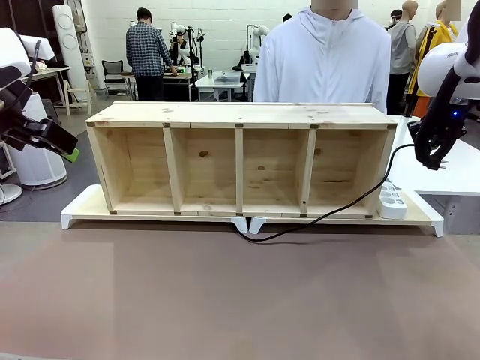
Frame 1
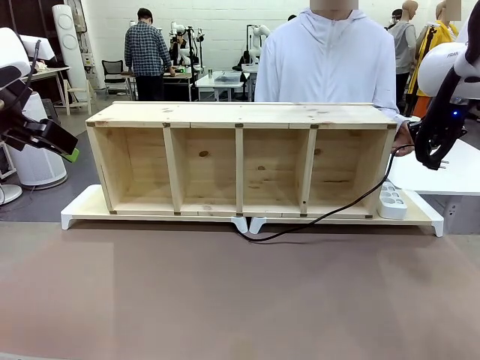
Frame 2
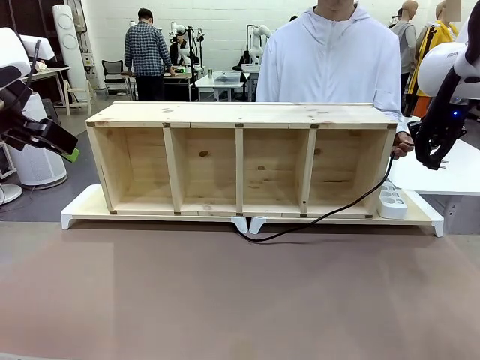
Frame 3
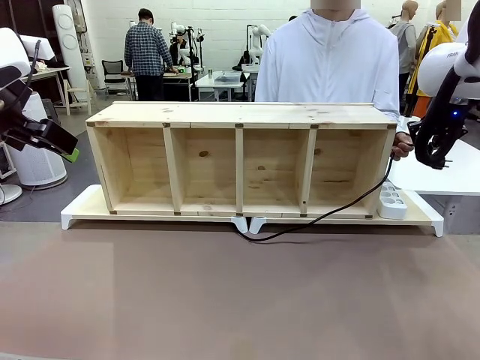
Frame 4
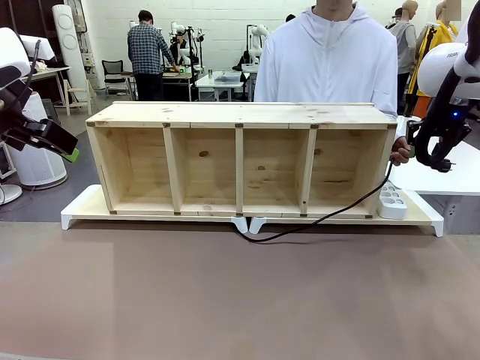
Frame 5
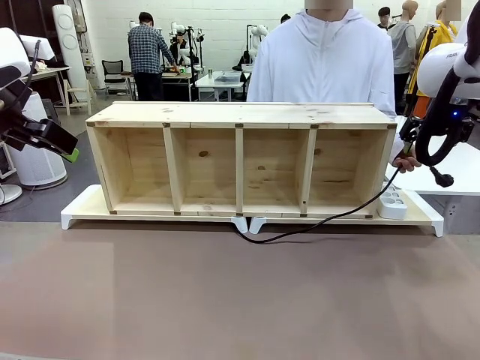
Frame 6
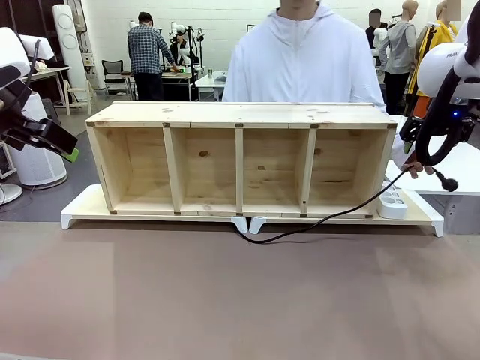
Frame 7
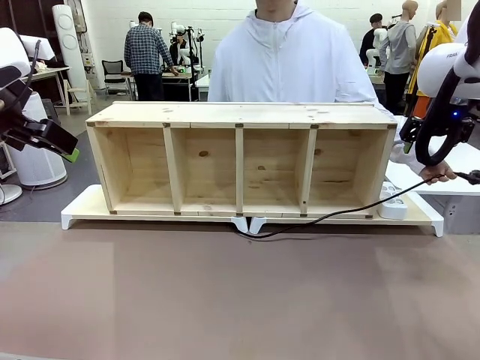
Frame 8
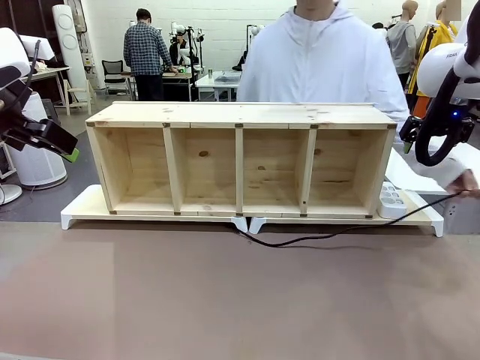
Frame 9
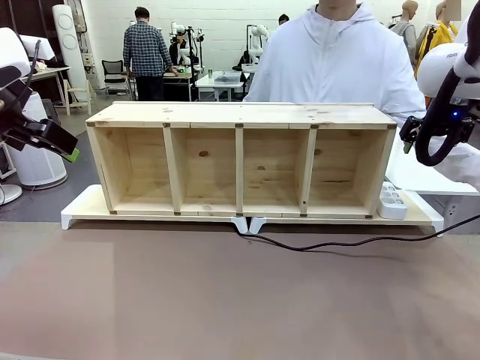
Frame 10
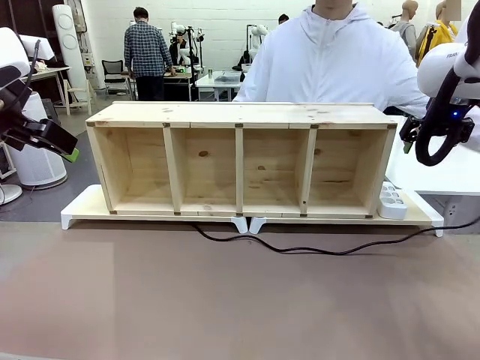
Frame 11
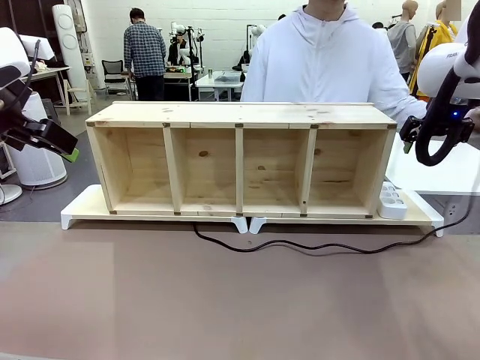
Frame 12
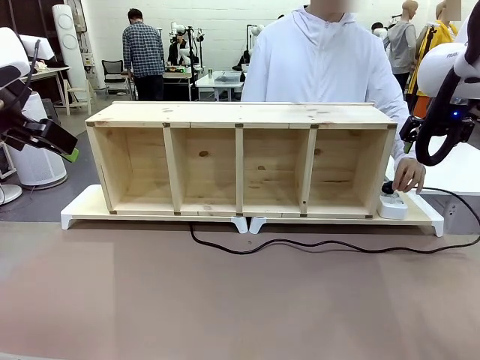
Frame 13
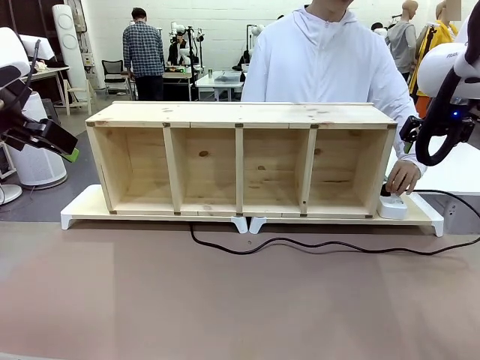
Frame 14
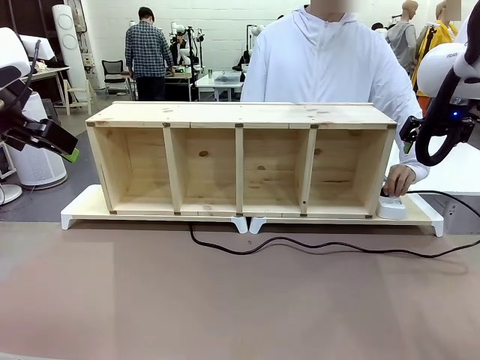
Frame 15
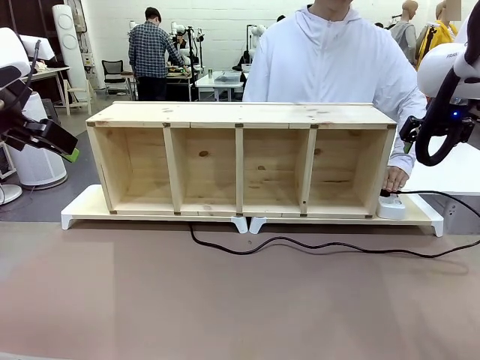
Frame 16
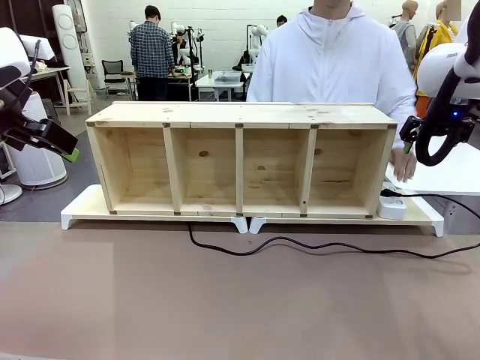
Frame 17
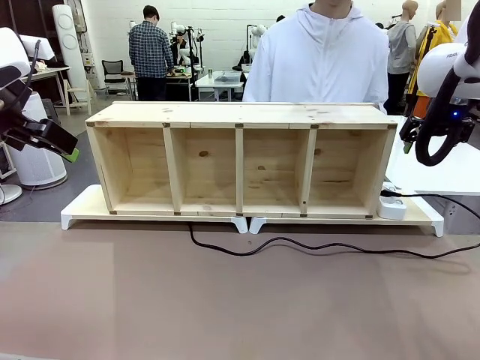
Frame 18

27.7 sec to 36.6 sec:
Task: Perform cable management.
Robot: Release the Power Cable when the human grasps it.
Person: Plug the Power Cable into the Power Strip.

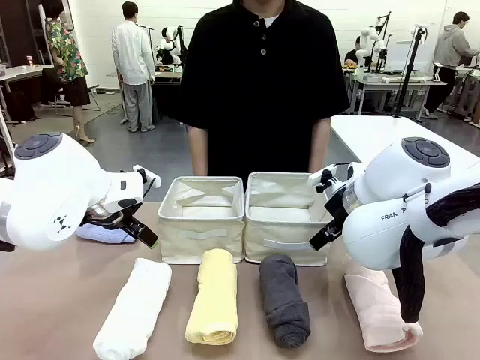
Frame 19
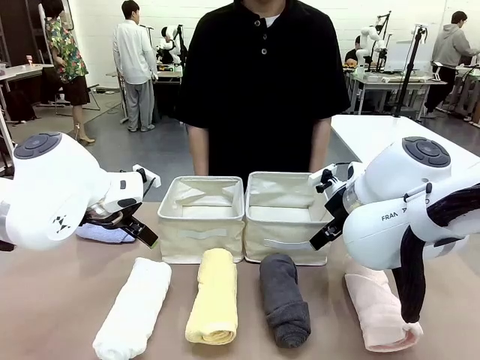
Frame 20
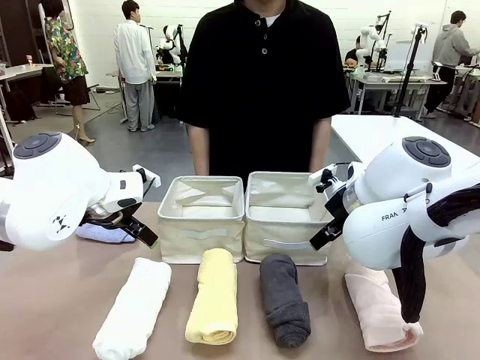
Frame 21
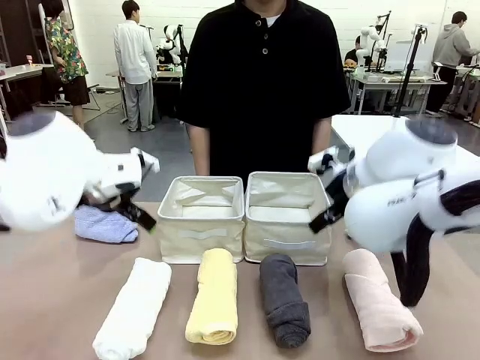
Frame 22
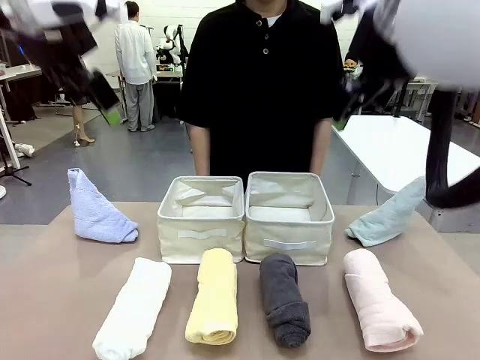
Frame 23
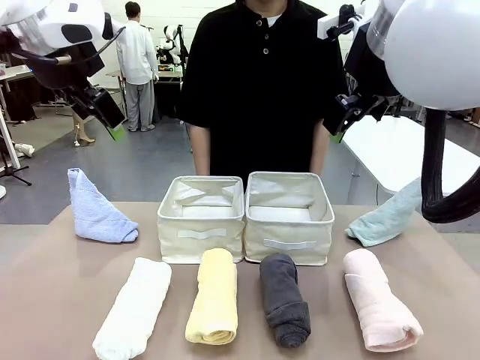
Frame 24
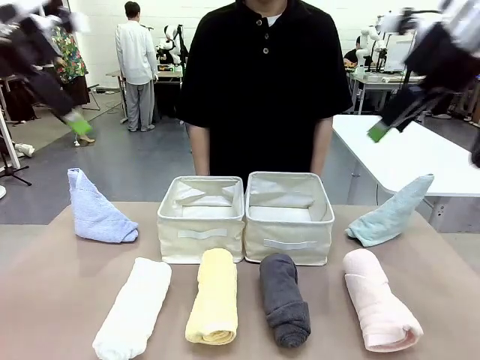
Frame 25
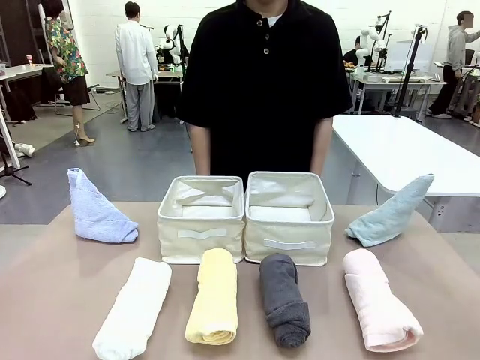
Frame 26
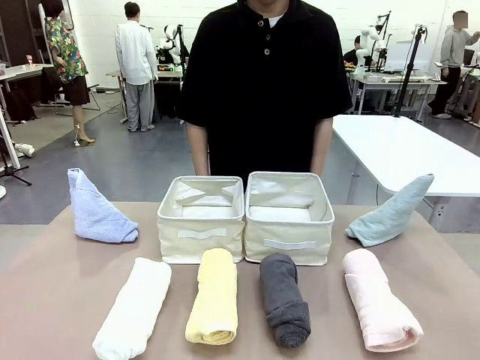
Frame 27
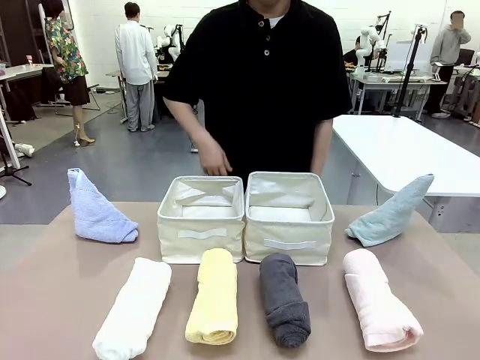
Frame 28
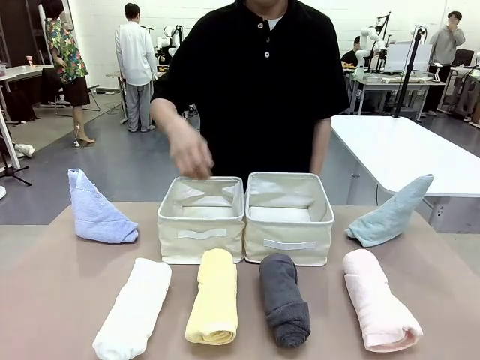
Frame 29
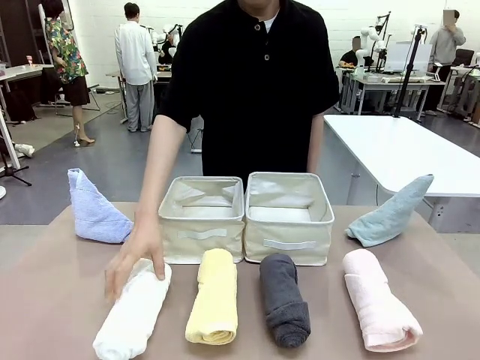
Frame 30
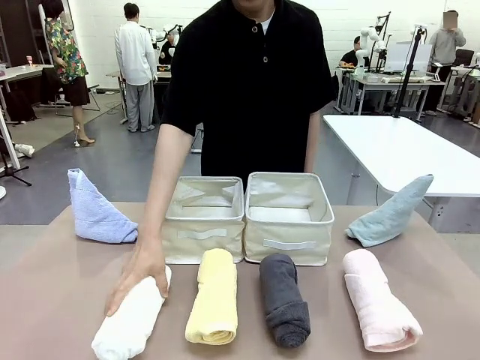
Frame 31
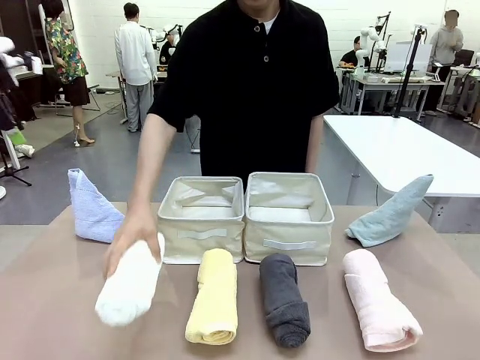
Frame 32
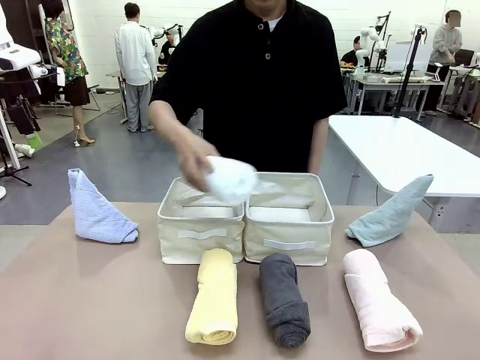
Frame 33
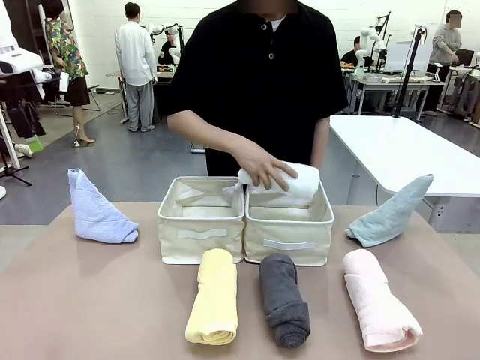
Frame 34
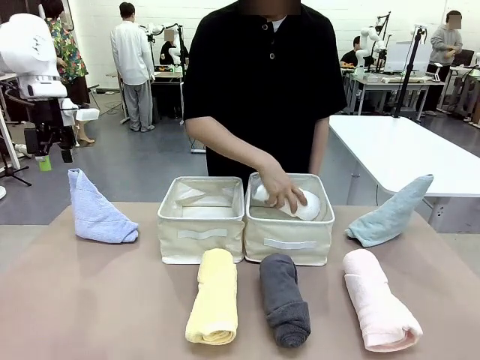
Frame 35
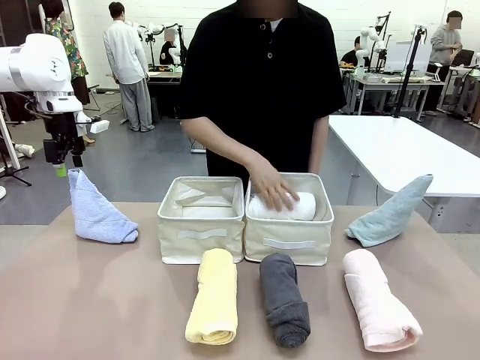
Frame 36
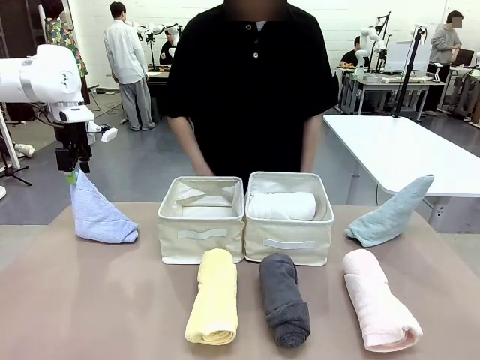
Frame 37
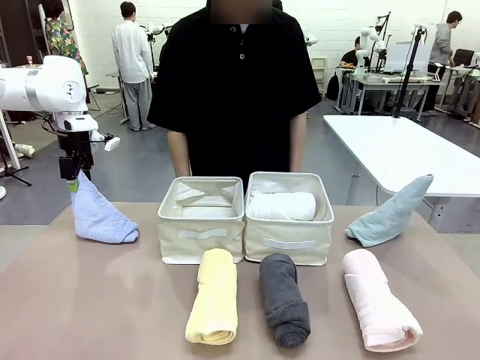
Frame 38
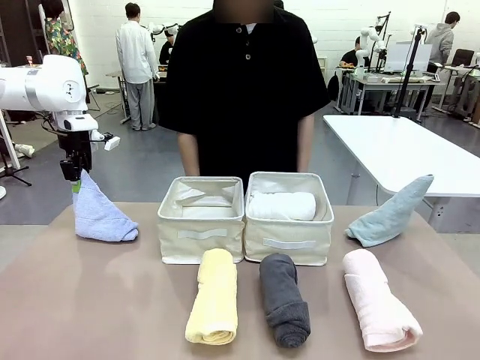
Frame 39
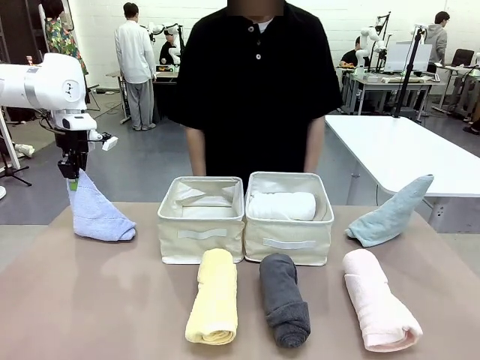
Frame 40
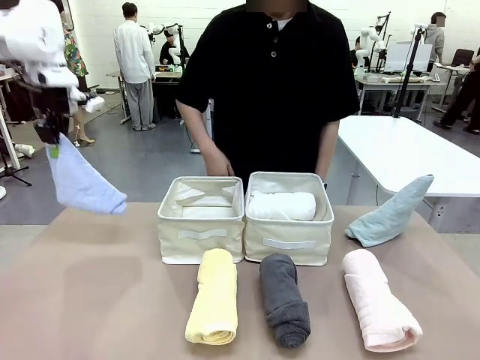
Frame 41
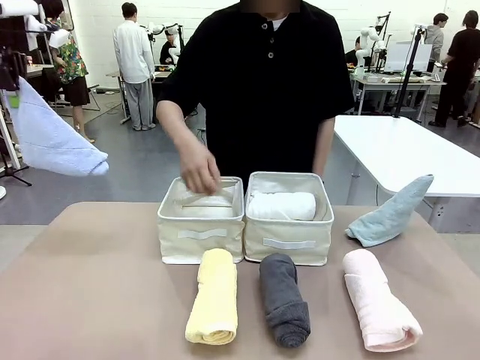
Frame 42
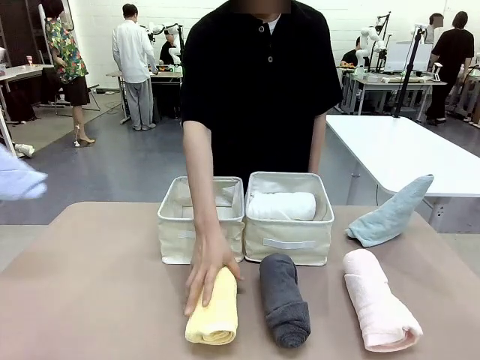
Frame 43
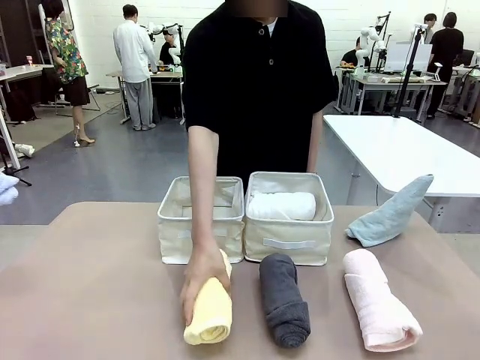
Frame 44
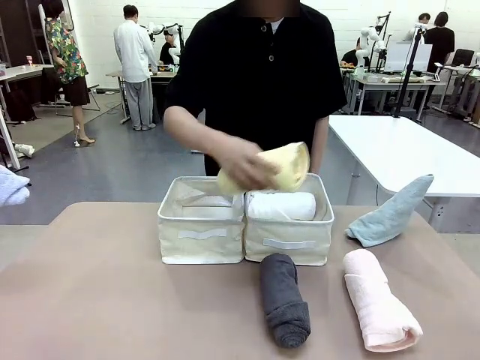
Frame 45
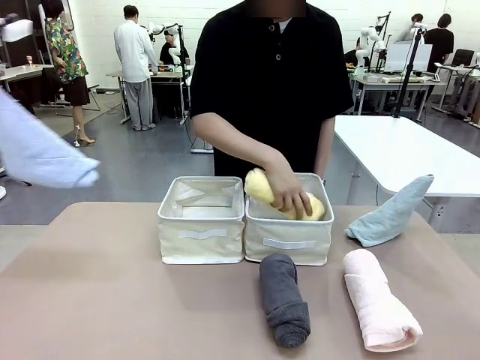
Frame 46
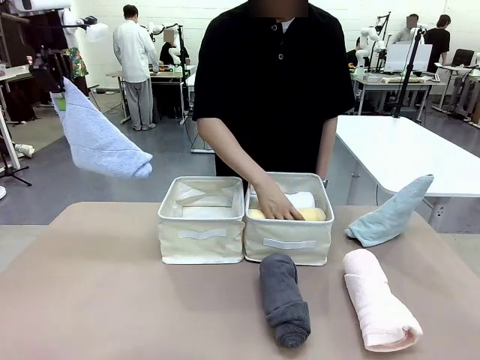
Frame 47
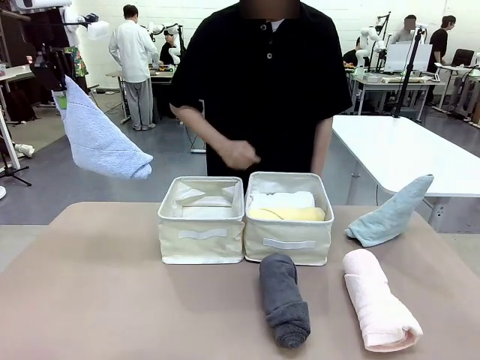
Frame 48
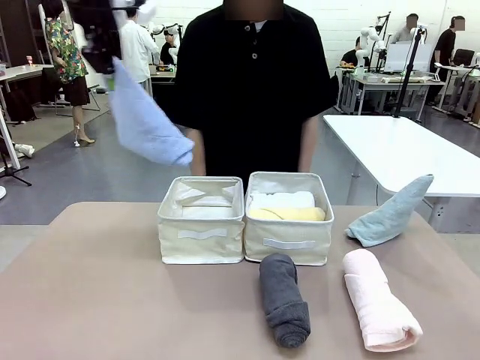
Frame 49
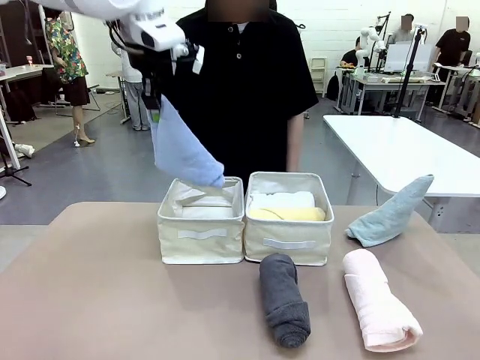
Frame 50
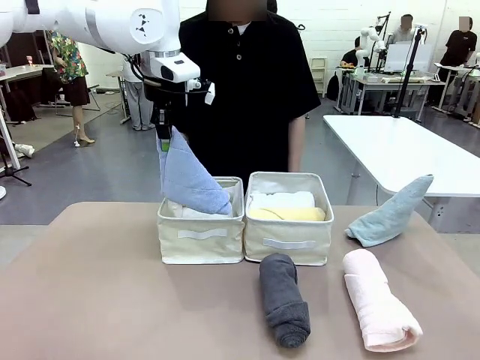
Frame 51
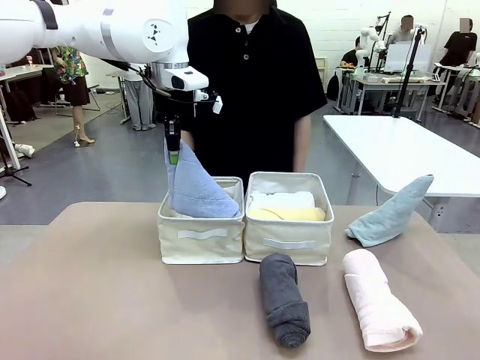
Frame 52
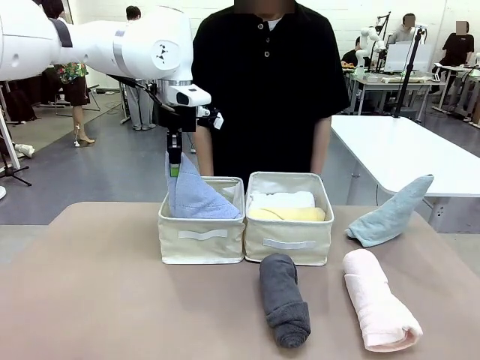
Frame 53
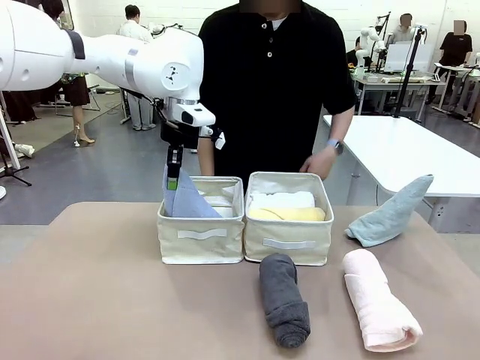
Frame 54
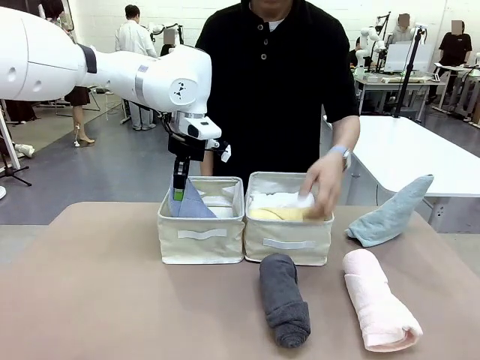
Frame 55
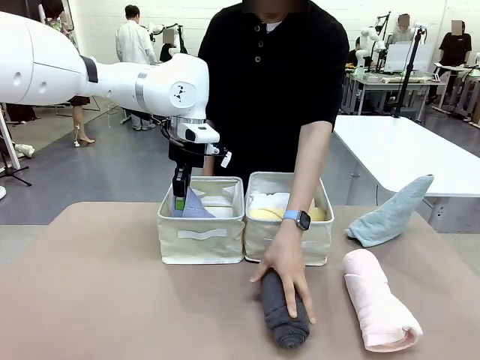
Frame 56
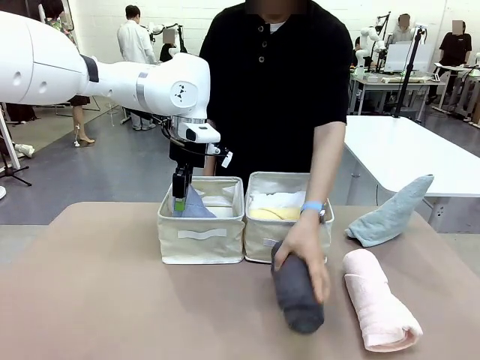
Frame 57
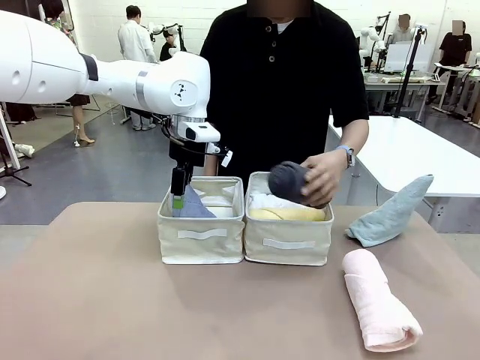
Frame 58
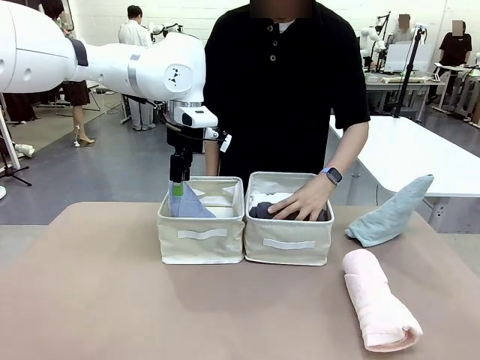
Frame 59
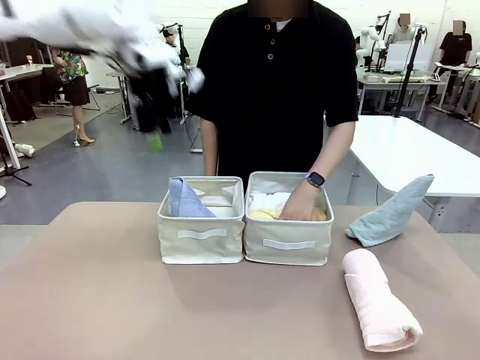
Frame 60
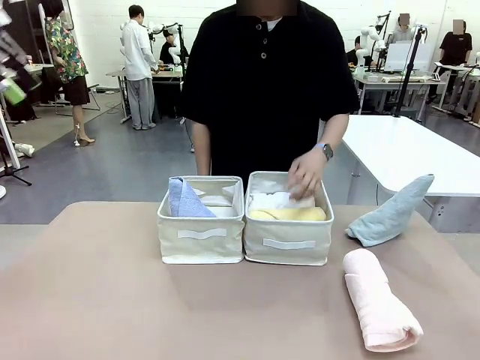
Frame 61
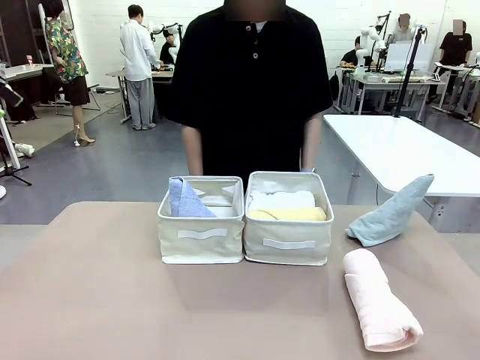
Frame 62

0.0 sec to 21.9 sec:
Task: Sort the towels based on their folding style.
Robot: Pick up one triangle-folded towel and place it in the left Fabric basket.
Person: Pick up one hotel-style rolled towel and place it in the left fabric basket.
